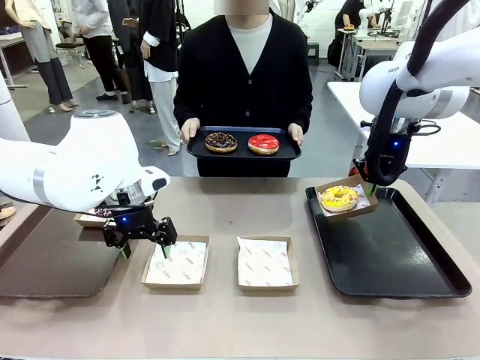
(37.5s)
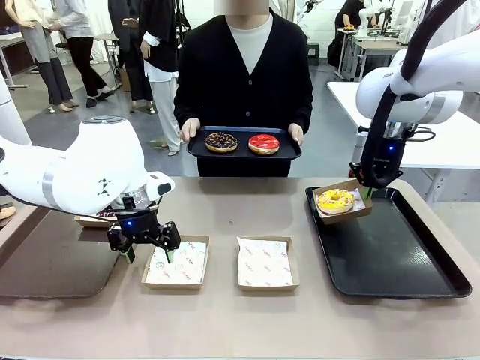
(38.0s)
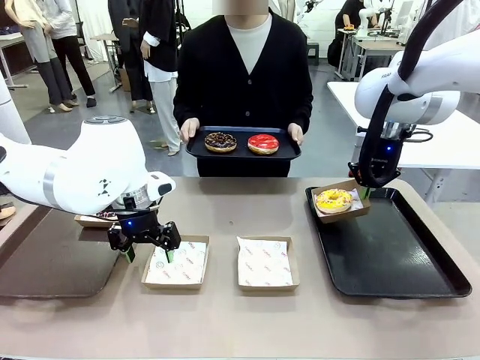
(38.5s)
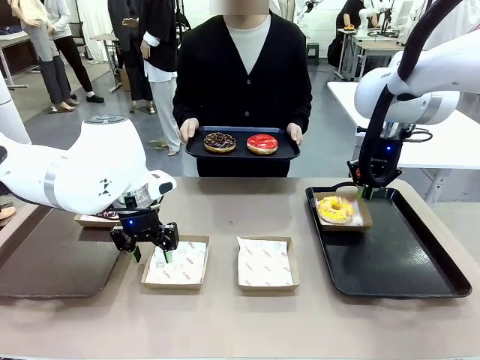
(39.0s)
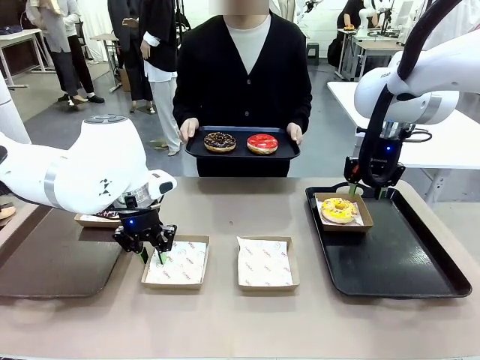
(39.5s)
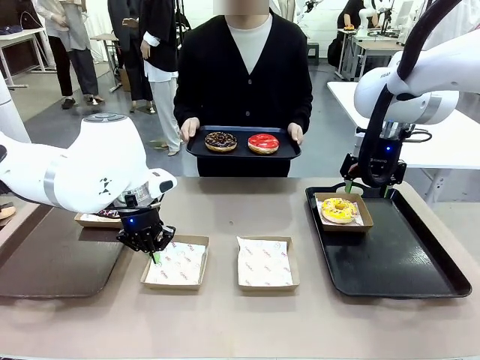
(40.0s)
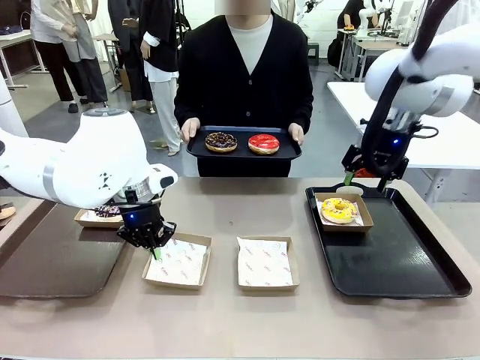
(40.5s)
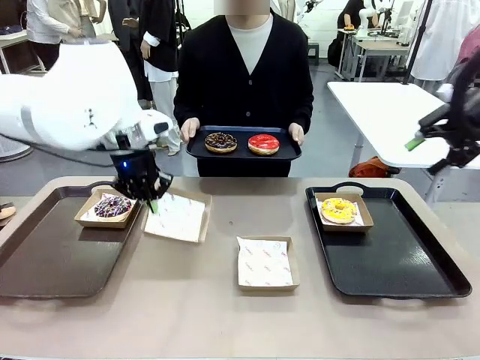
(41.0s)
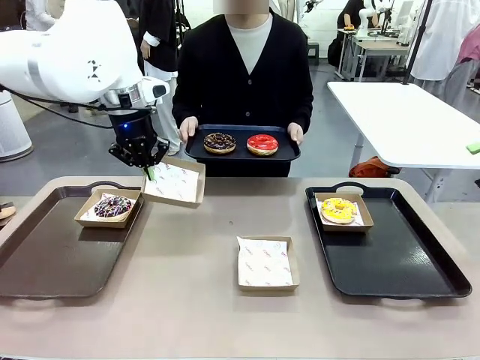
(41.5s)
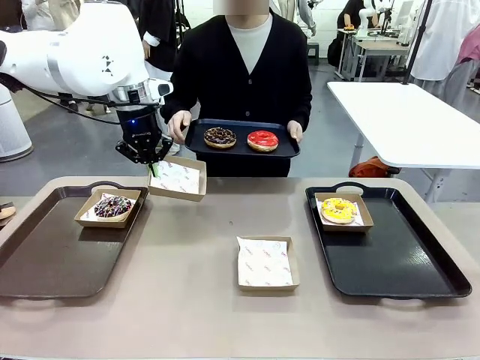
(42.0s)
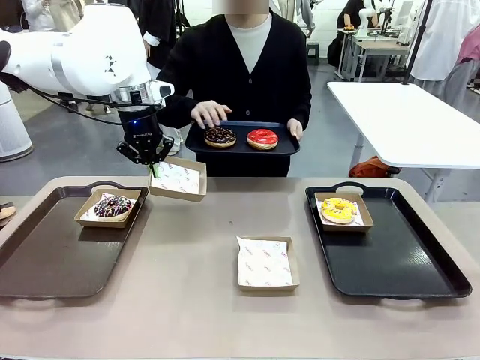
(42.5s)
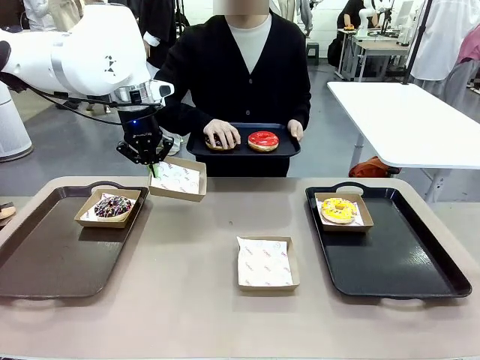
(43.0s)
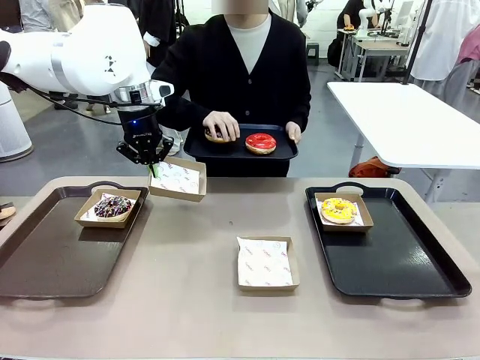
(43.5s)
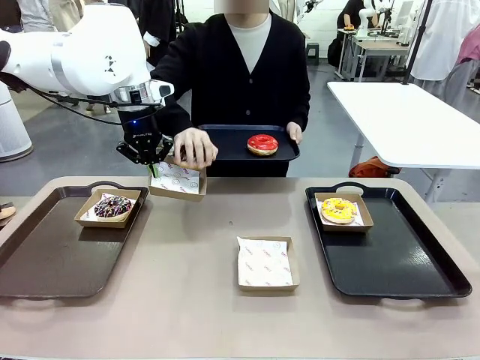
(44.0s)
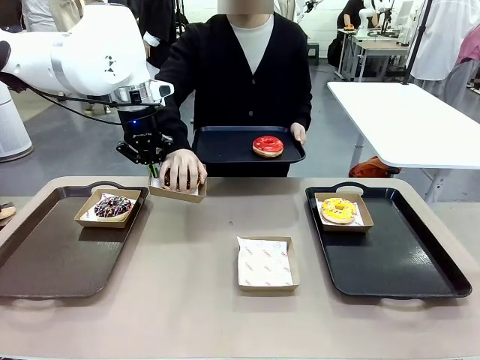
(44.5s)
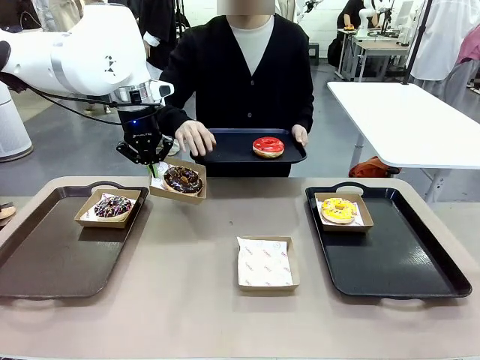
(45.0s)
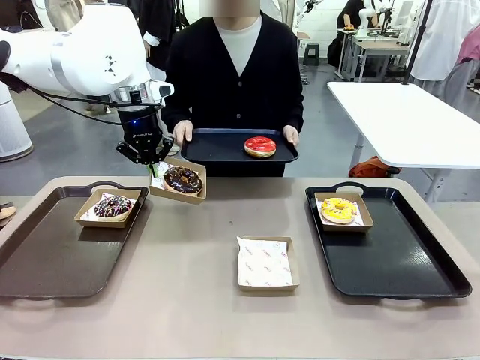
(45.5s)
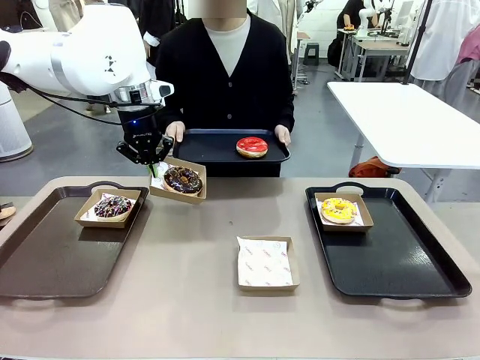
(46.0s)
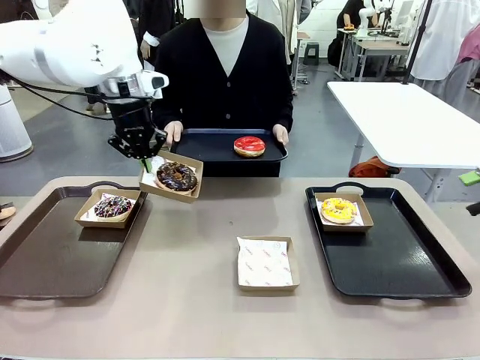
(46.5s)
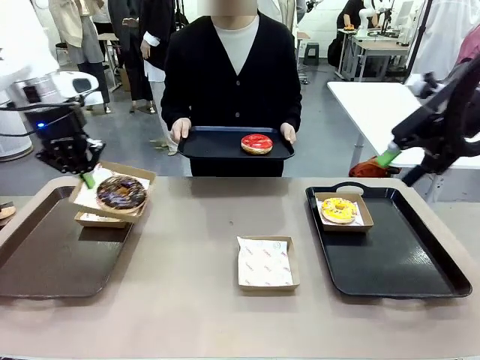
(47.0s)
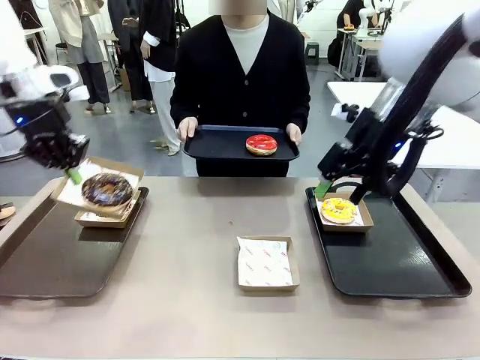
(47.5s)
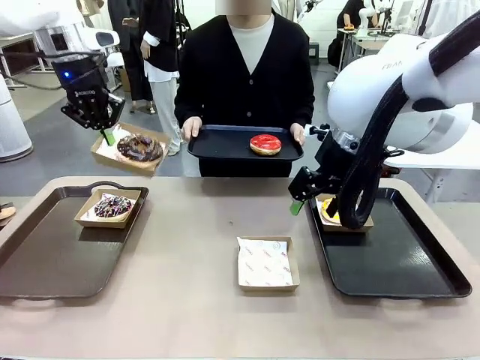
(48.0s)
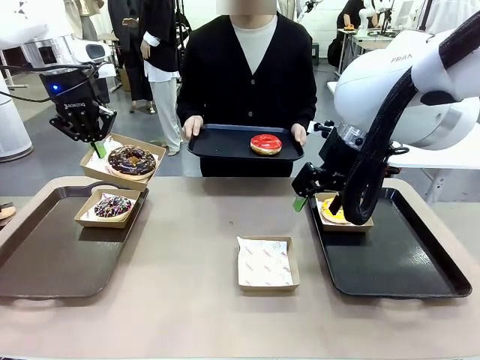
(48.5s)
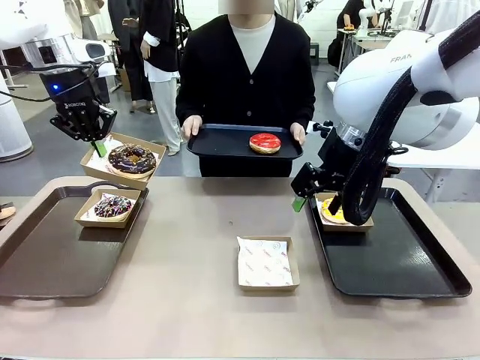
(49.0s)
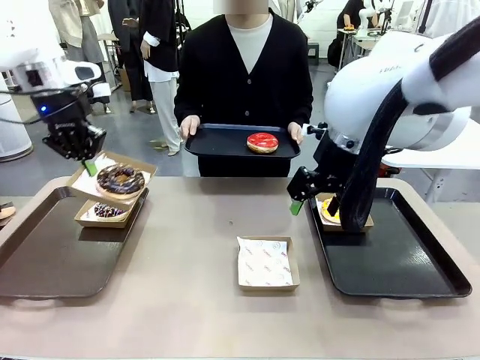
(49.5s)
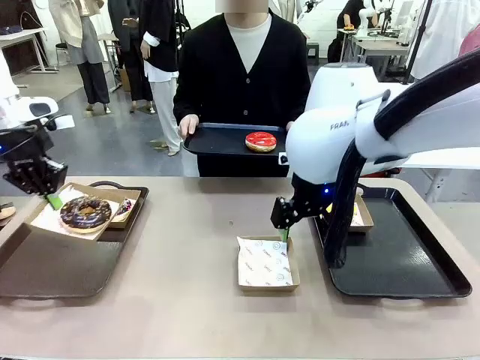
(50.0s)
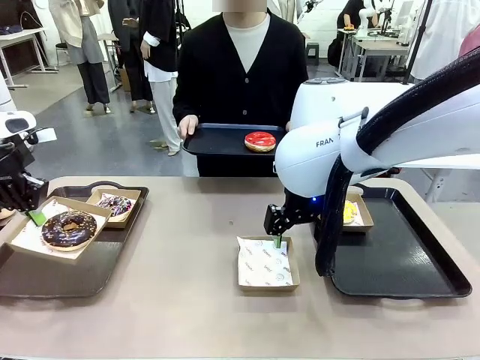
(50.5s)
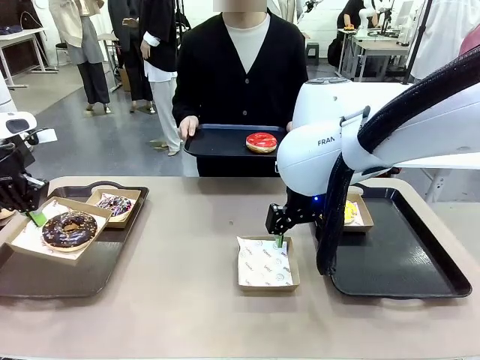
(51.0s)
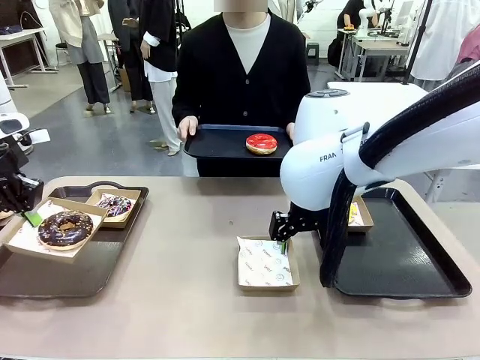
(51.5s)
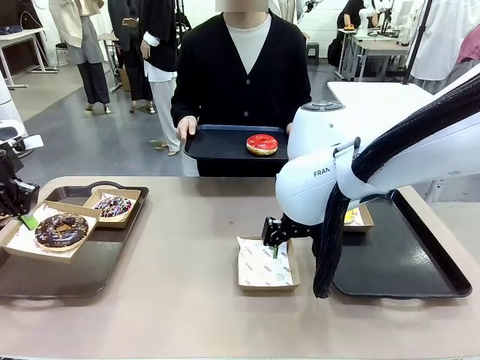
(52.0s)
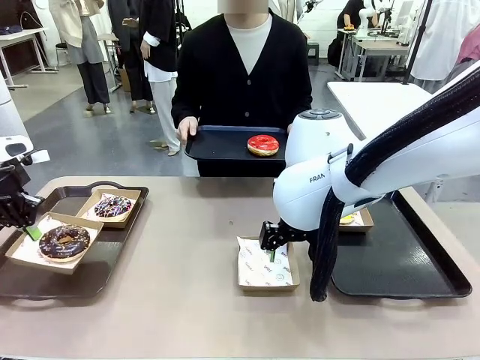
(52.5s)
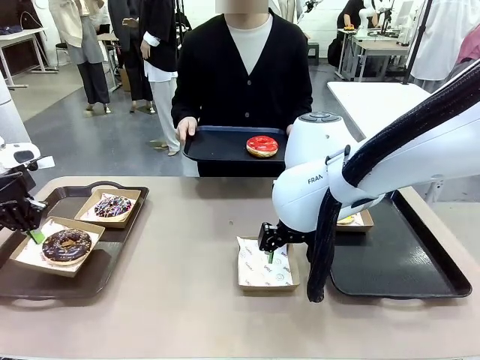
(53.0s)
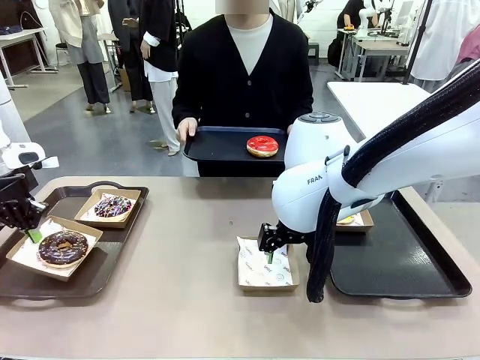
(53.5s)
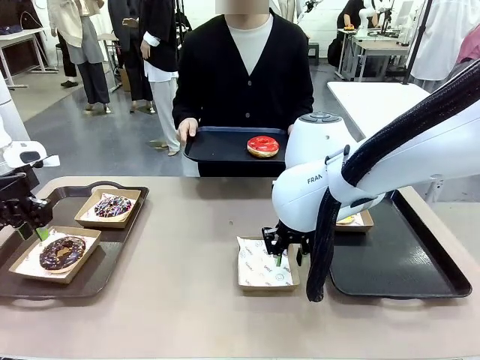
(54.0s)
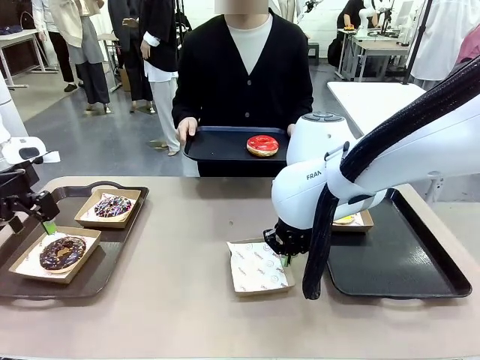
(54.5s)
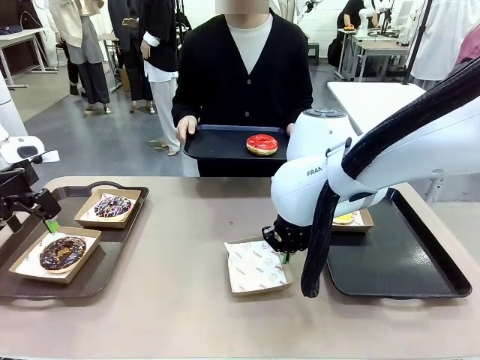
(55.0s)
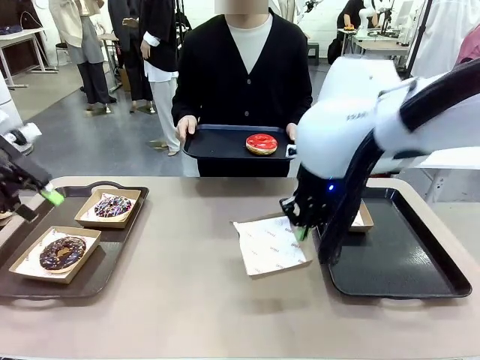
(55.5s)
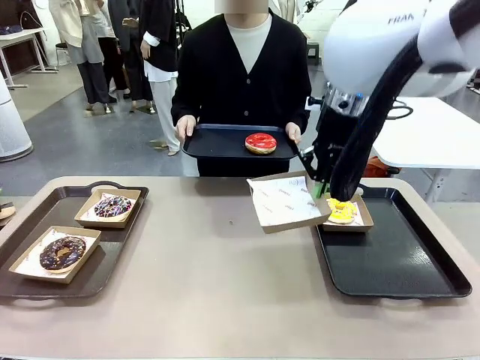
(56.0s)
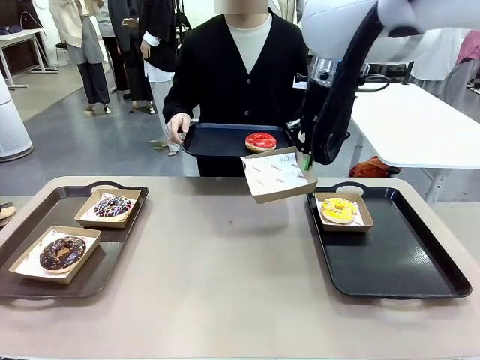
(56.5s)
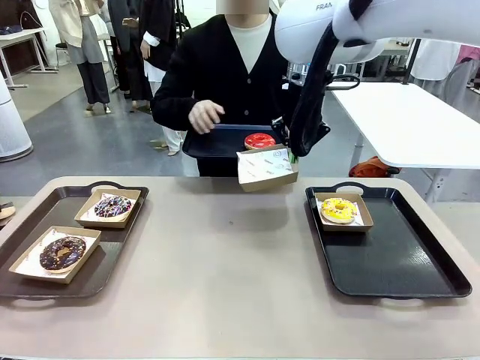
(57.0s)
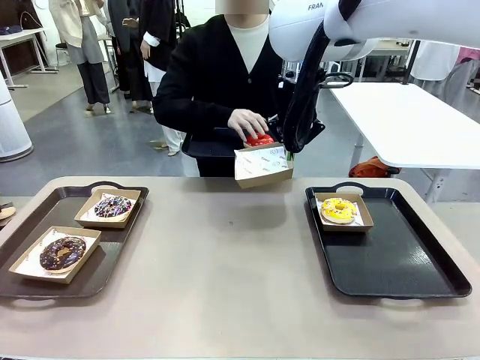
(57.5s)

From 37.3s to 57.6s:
Task: Individually package the donuts and arrange them on the tray.
Robot: Place the picked Paper togo box on the Handle tray while simultaneously picking up another Paper togo box from the table with the other hand.

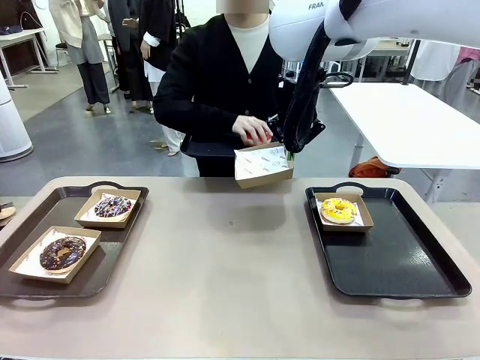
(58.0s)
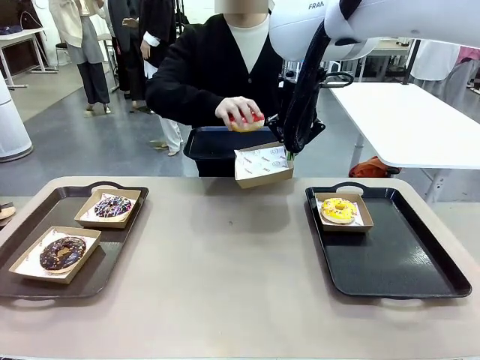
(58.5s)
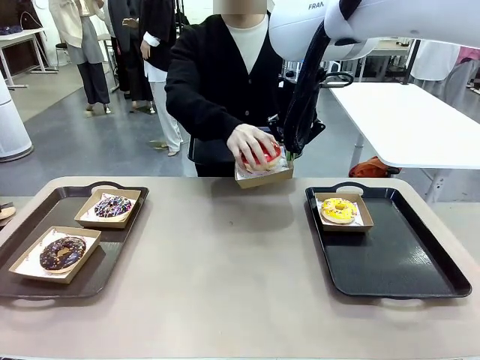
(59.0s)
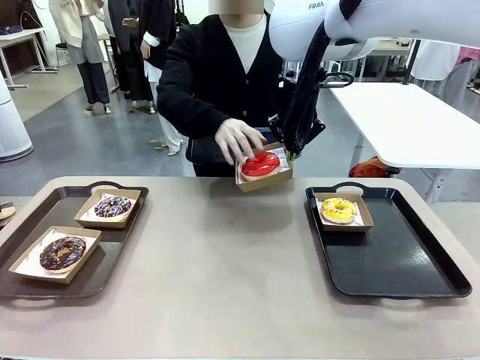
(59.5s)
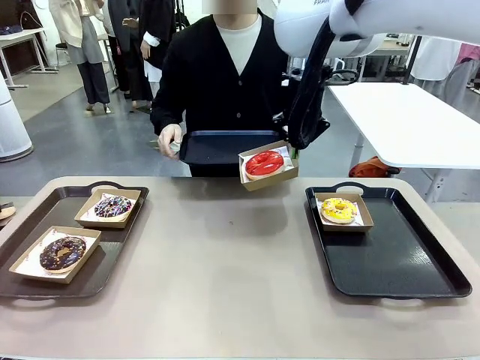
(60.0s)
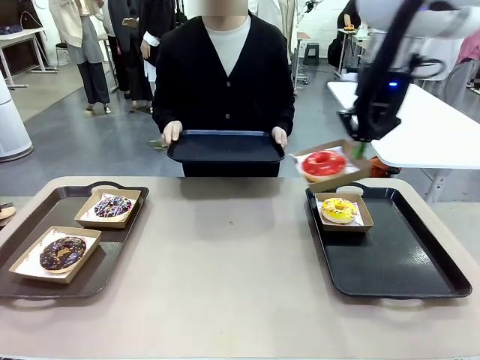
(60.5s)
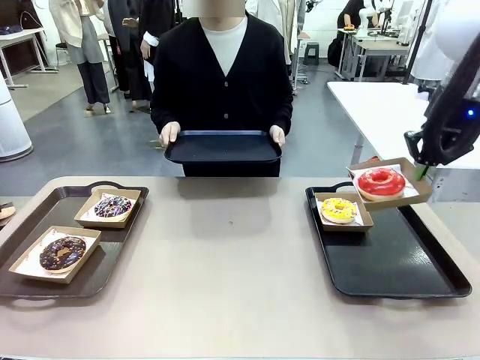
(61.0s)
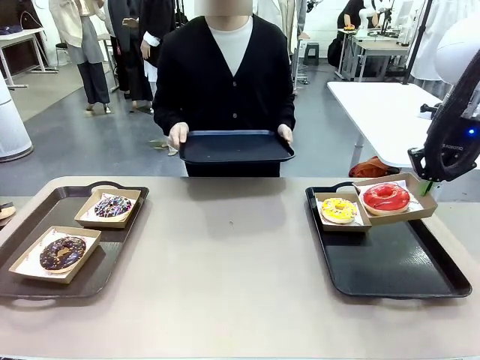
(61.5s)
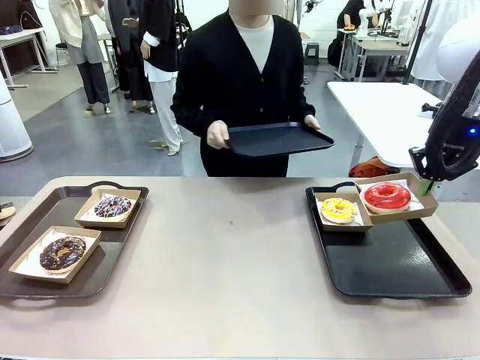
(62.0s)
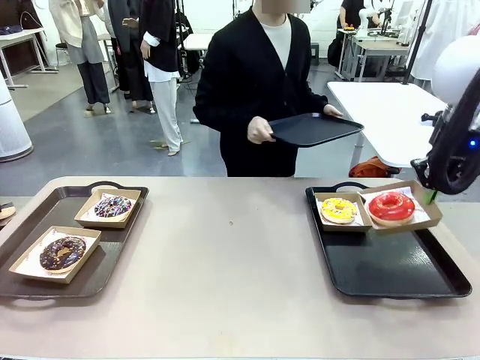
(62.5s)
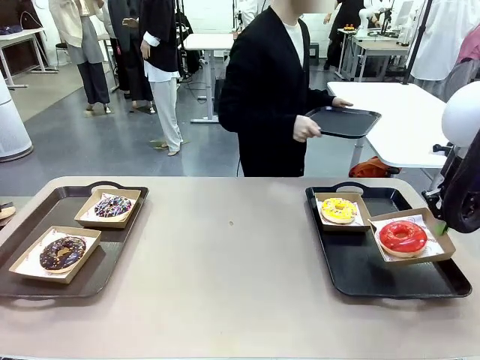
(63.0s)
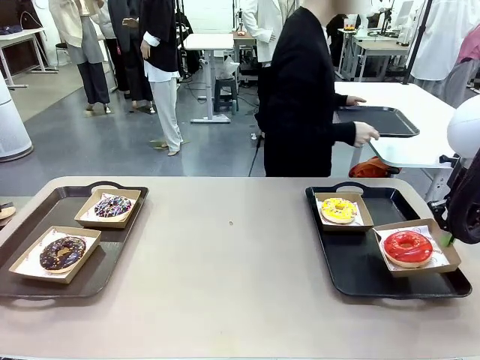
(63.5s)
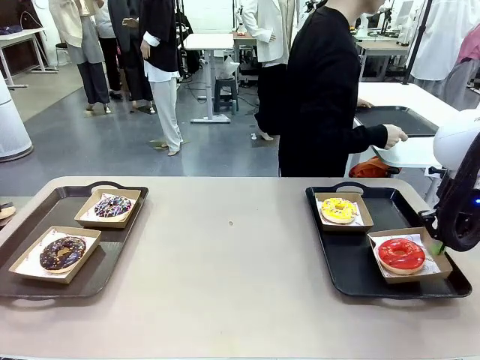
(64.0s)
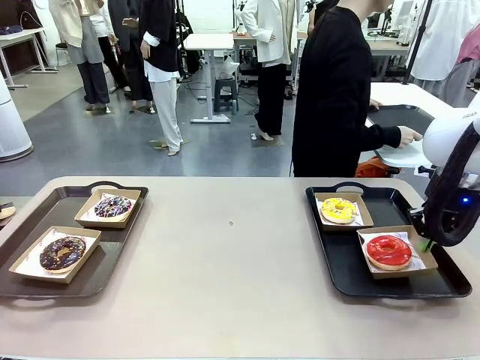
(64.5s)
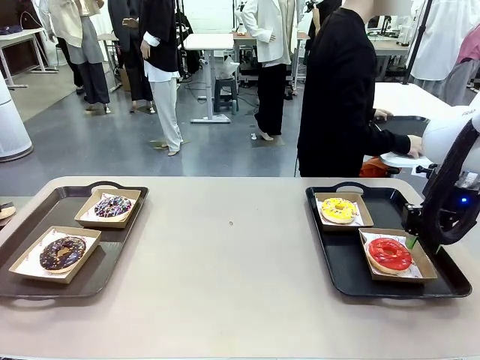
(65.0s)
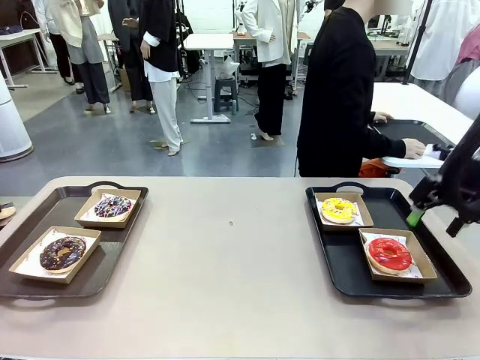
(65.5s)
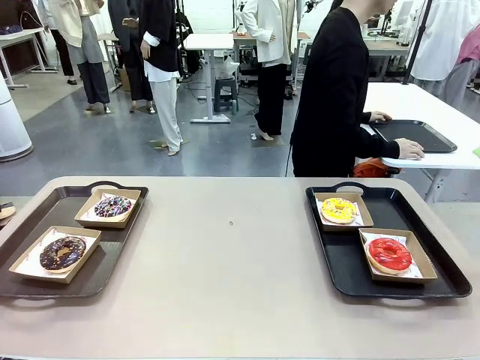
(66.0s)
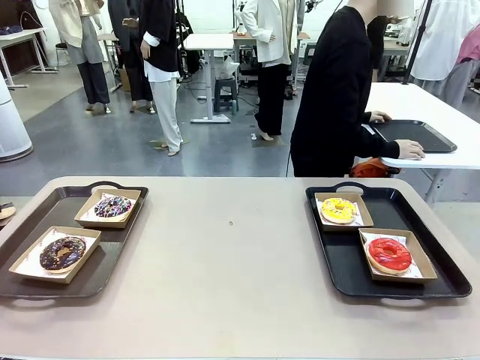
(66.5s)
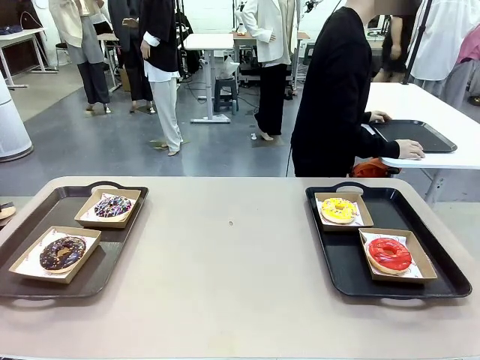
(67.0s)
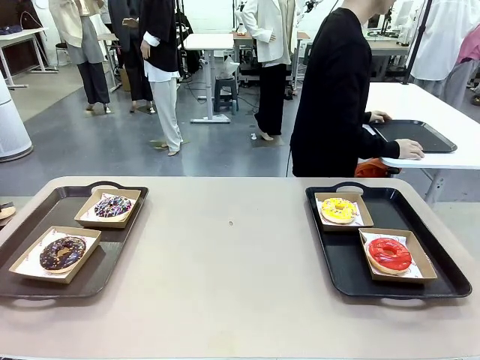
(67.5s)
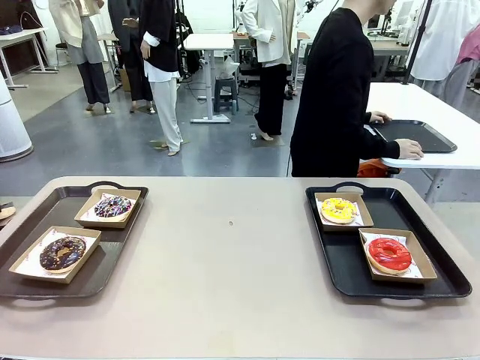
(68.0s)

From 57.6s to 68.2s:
Robot: Place the picked Paper togo box on the Handle tray.
Person: Place the tray down in the middle of the human table.
